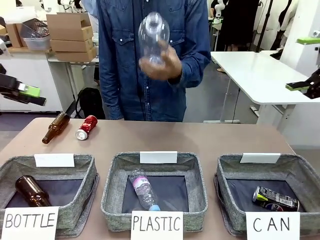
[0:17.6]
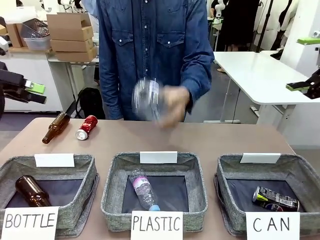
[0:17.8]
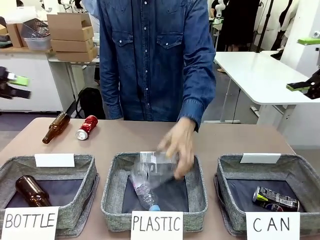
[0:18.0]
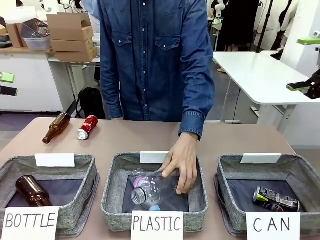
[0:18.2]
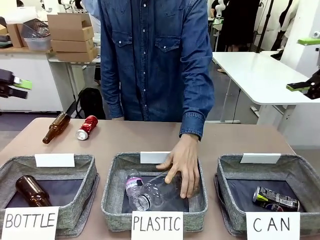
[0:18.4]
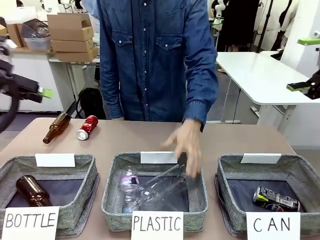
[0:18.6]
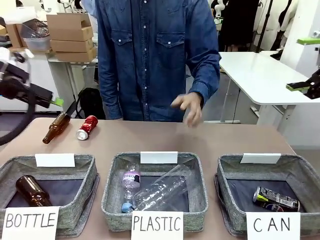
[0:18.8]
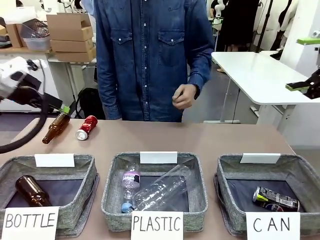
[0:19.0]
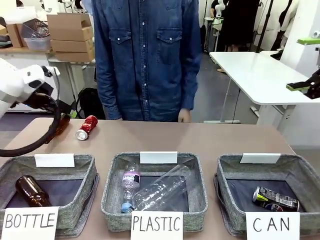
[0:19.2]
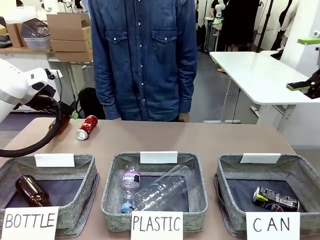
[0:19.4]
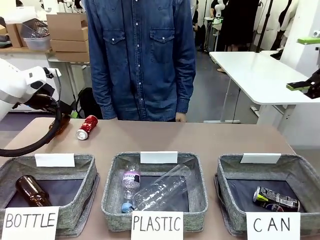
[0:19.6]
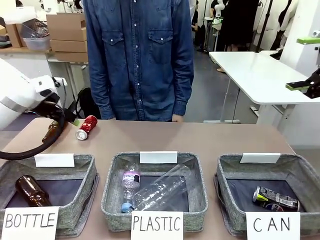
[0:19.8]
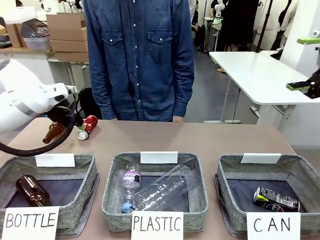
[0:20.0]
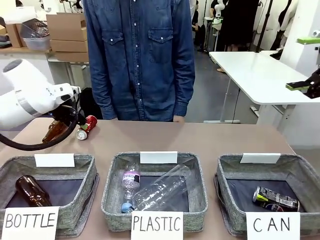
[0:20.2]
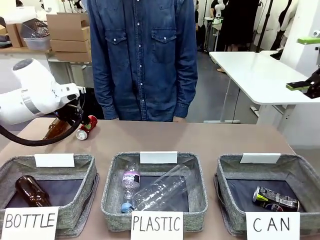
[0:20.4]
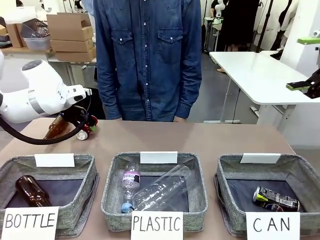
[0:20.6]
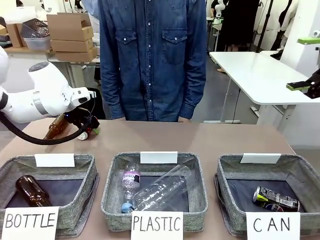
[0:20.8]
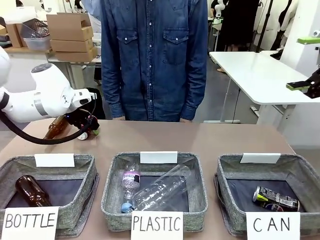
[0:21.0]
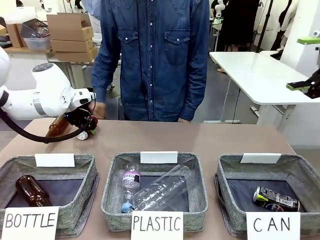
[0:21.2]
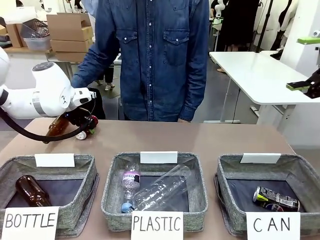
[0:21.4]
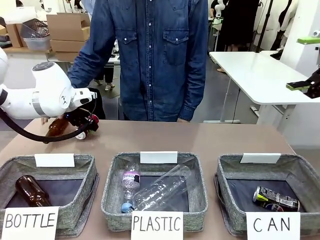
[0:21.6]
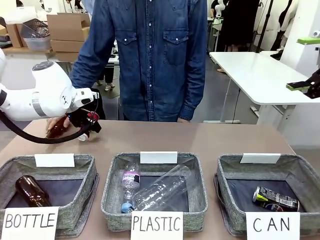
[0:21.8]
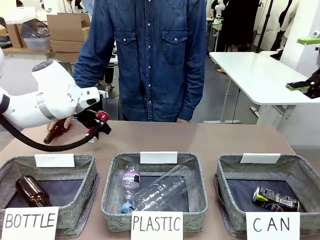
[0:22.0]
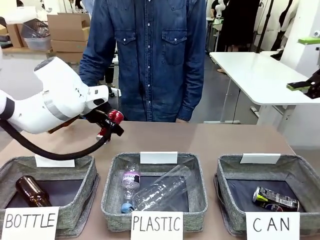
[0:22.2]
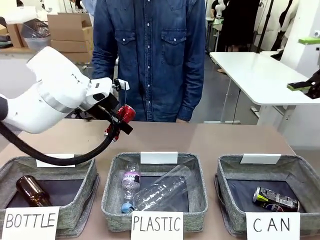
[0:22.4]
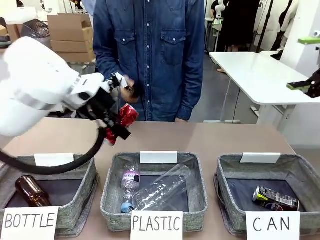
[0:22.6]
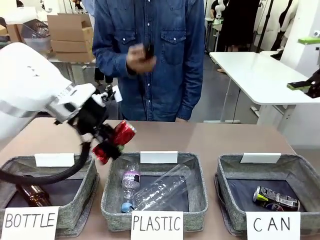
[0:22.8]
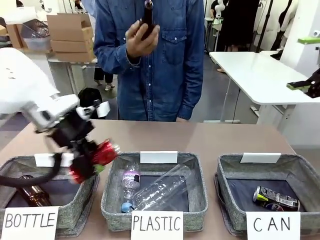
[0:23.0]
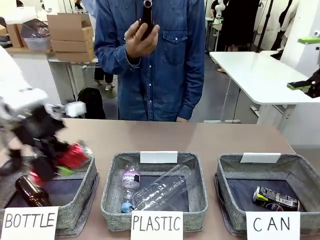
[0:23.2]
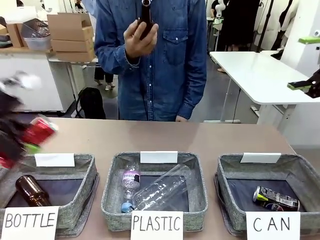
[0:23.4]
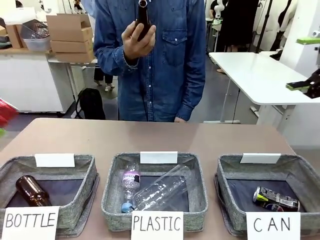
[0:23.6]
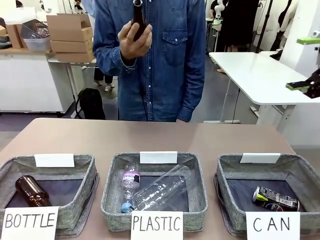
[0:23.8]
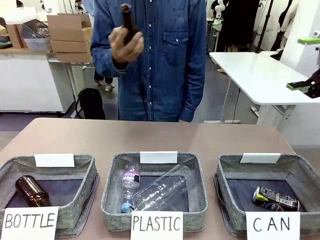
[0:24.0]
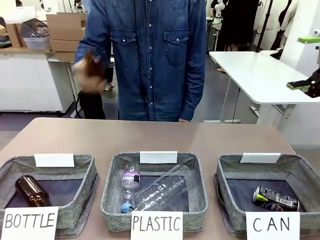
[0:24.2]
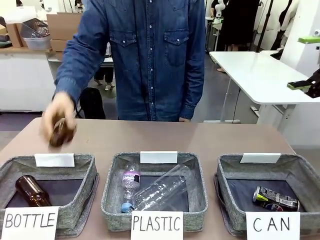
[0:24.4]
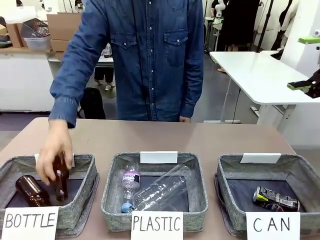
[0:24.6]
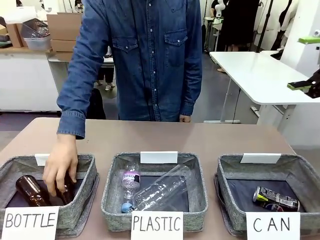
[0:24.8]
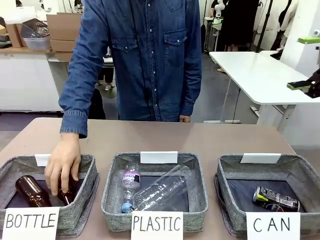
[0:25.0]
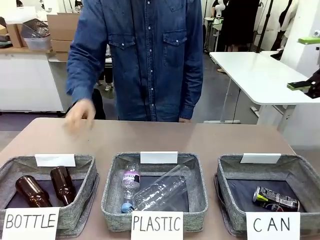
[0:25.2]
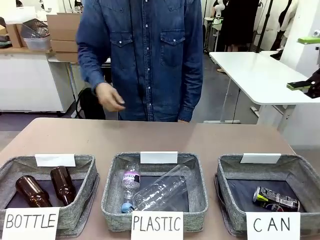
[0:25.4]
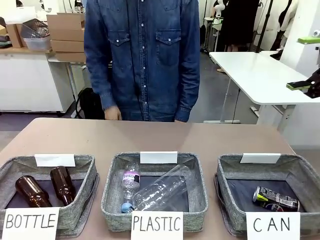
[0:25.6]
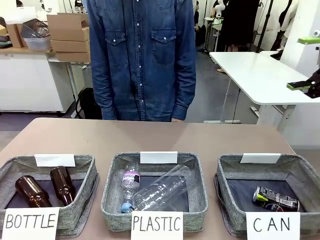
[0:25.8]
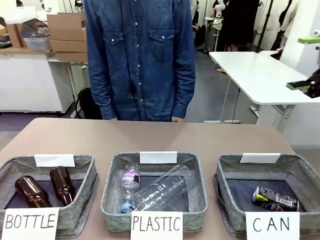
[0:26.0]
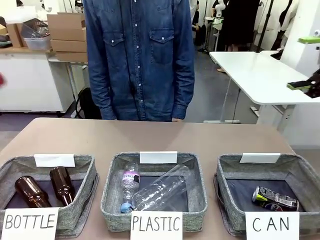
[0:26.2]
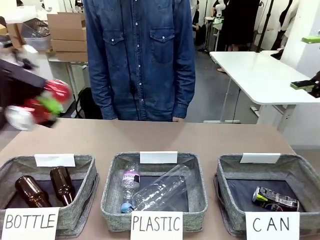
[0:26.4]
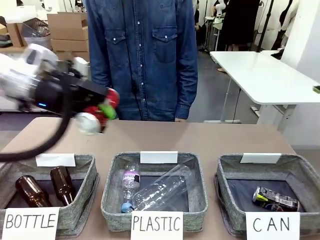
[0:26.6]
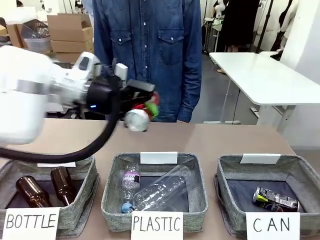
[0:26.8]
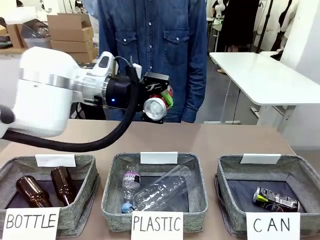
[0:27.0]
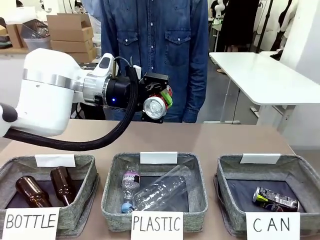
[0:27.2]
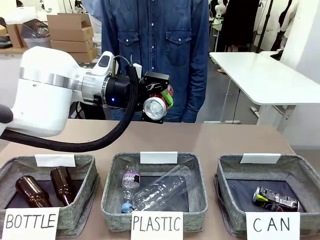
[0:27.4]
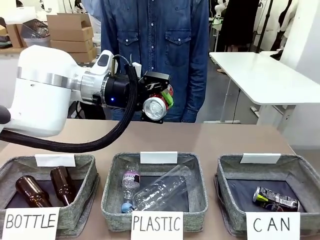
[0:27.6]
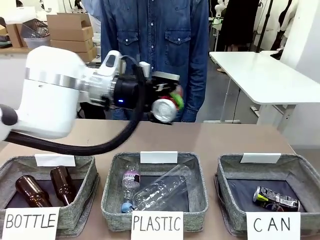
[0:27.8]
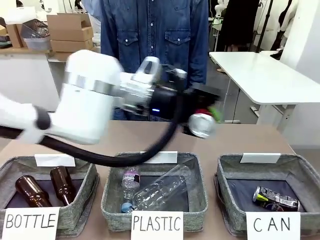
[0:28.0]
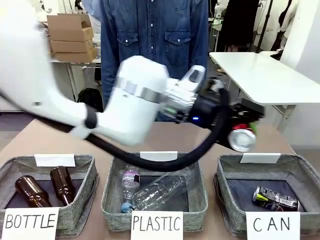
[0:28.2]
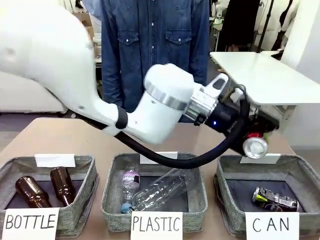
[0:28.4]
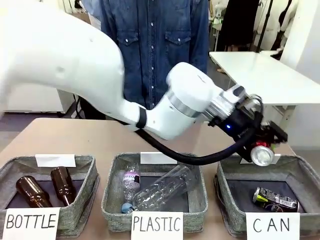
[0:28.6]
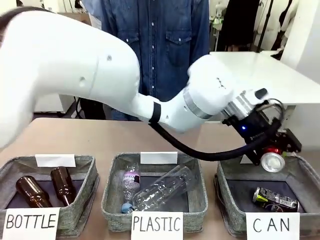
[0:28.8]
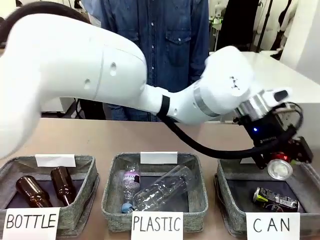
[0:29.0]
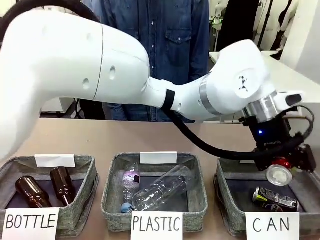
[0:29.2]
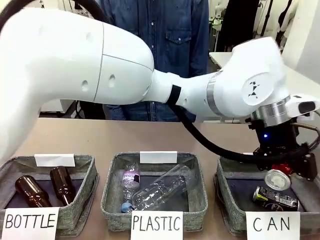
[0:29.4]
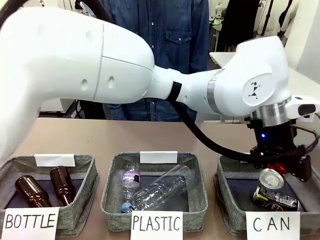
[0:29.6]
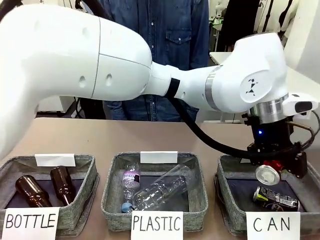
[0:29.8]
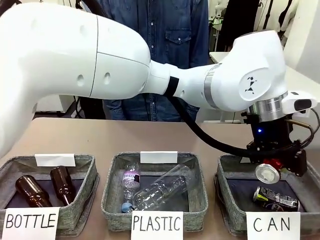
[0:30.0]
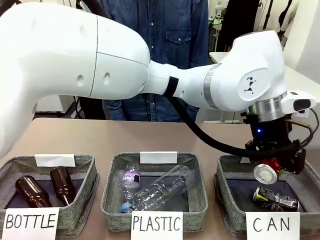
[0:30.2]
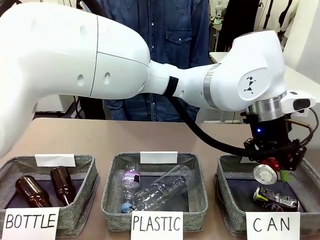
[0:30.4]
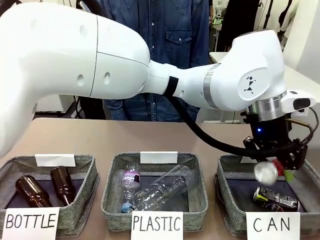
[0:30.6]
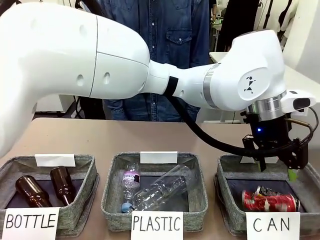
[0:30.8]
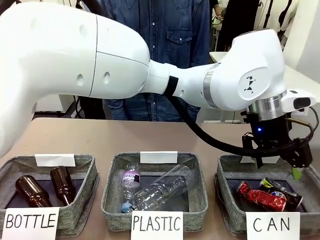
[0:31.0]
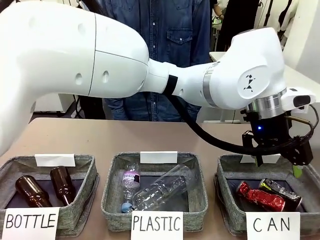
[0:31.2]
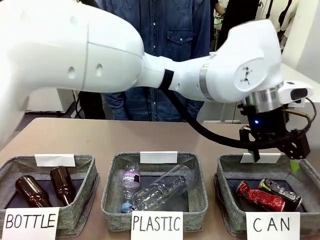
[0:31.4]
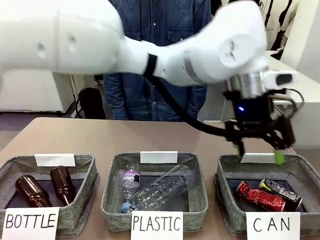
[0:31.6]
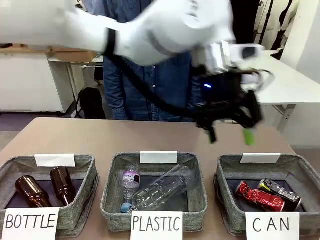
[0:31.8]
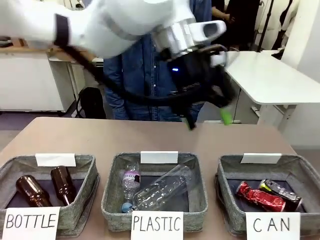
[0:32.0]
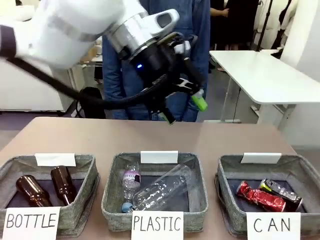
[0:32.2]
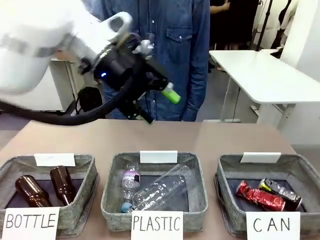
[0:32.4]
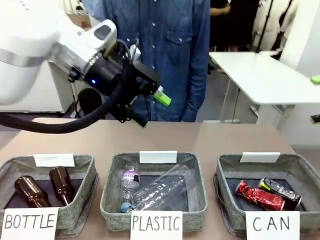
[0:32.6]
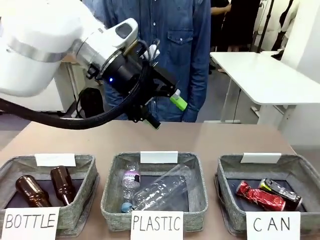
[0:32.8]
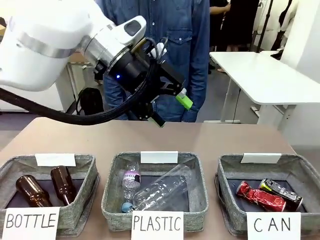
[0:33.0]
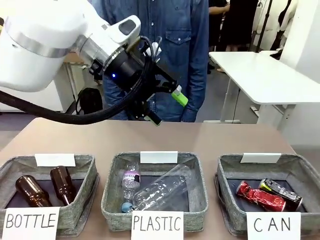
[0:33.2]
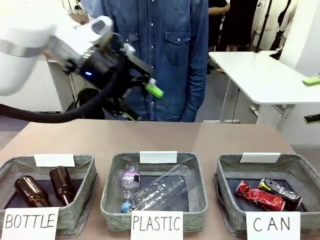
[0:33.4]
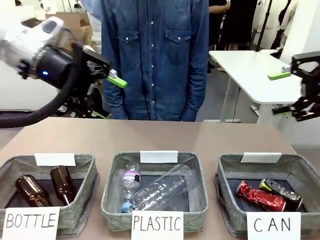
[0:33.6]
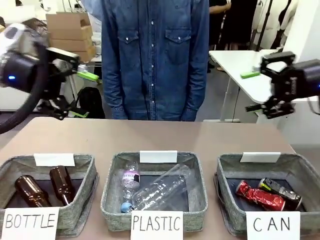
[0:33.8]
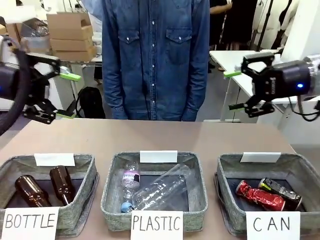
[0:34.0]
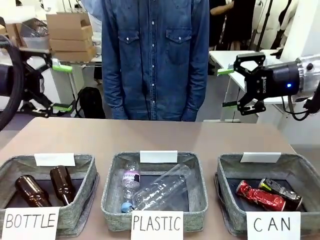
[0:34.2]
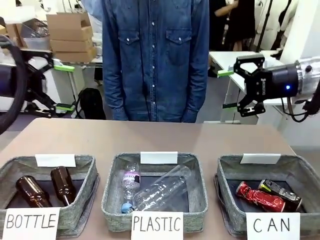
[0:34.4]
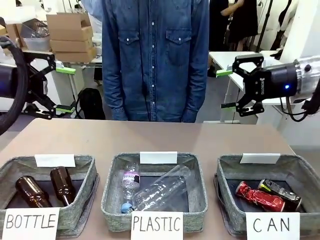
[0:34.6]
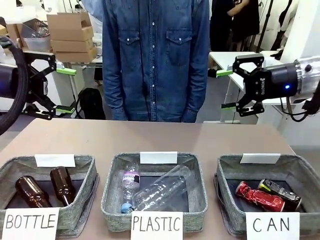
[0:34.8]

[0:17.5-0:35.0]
Task: Sort the can waste into the basket.
Robot: Pick up the can waste from the table and place it in the right Fabric basket.
